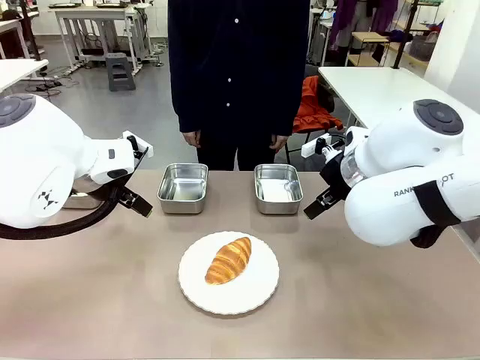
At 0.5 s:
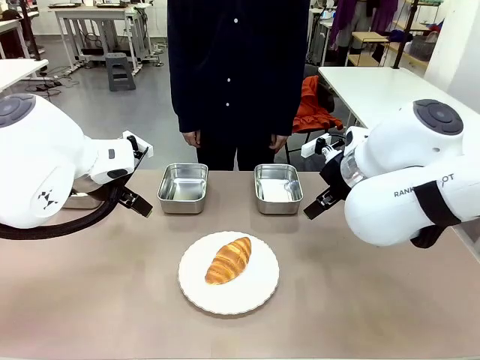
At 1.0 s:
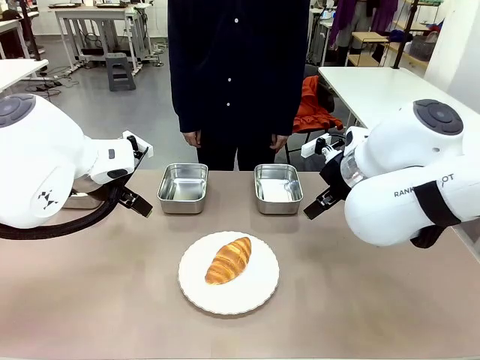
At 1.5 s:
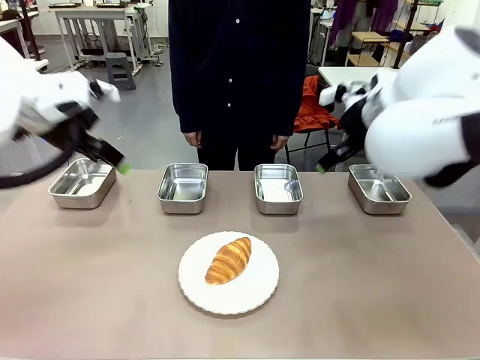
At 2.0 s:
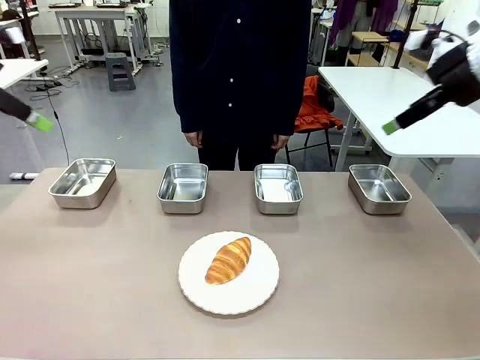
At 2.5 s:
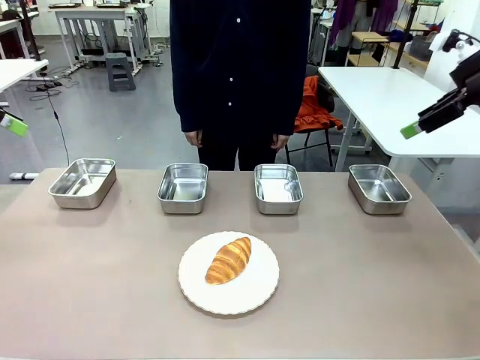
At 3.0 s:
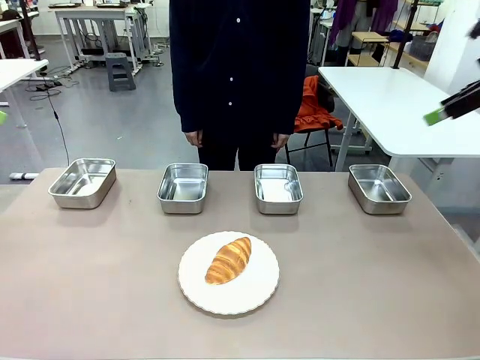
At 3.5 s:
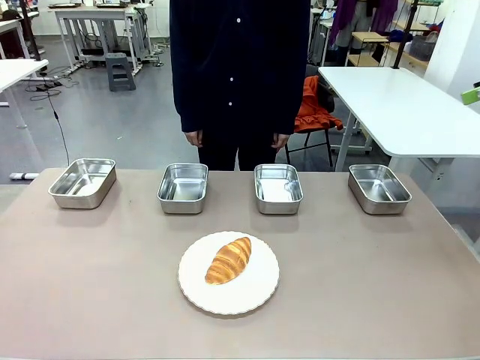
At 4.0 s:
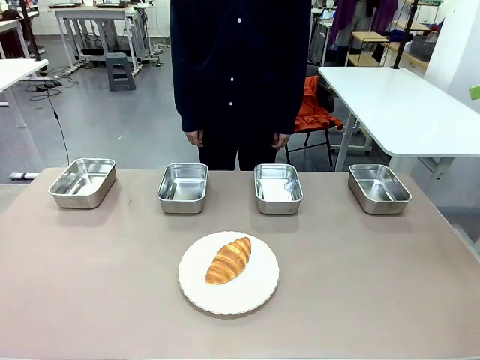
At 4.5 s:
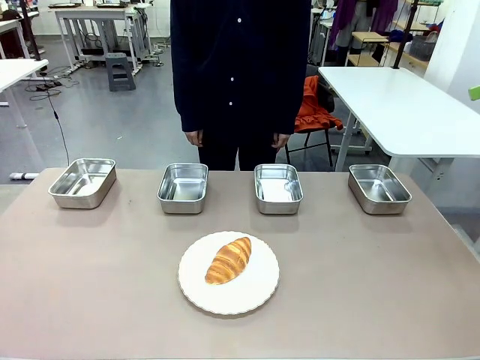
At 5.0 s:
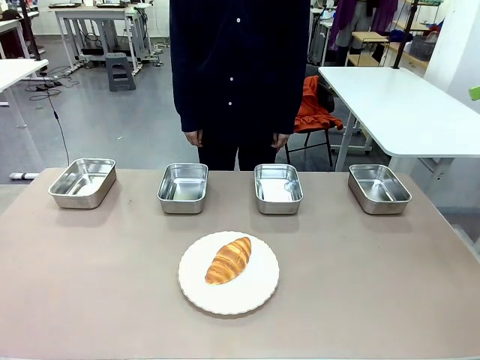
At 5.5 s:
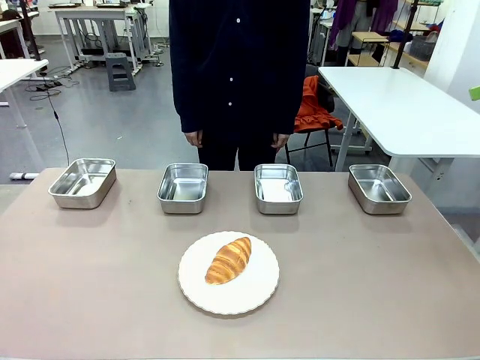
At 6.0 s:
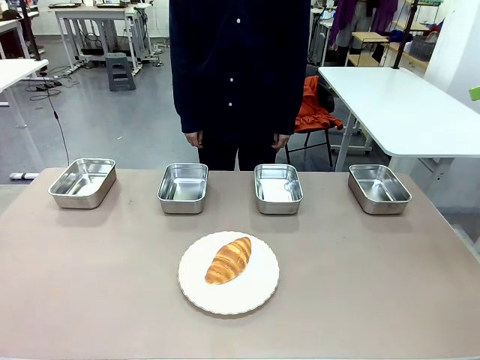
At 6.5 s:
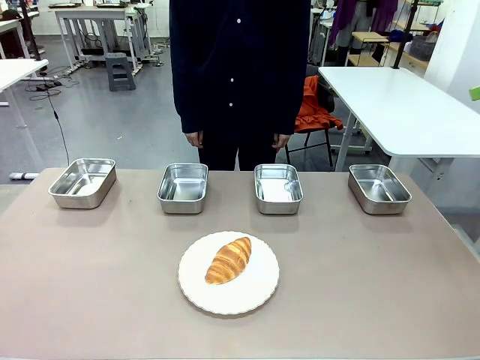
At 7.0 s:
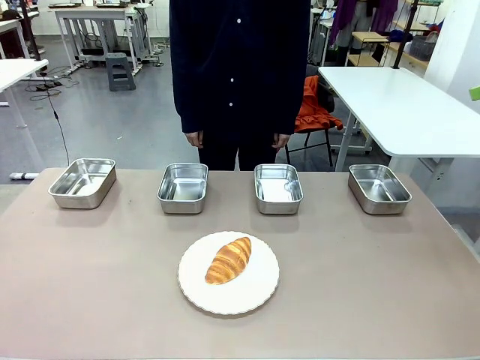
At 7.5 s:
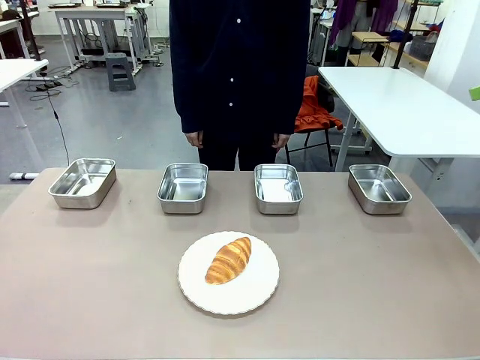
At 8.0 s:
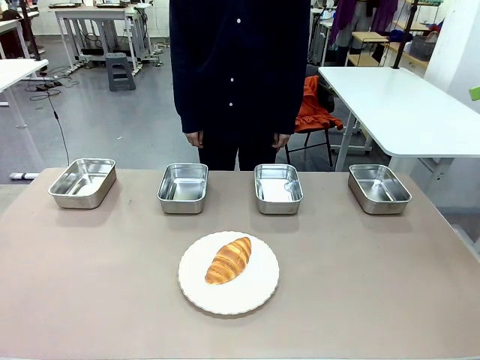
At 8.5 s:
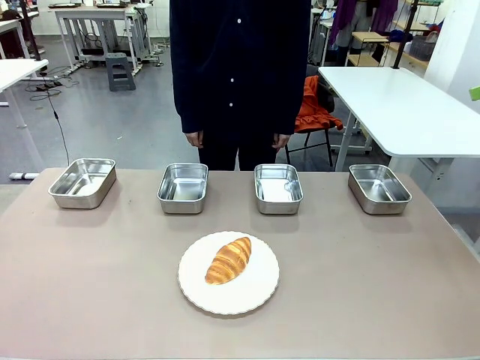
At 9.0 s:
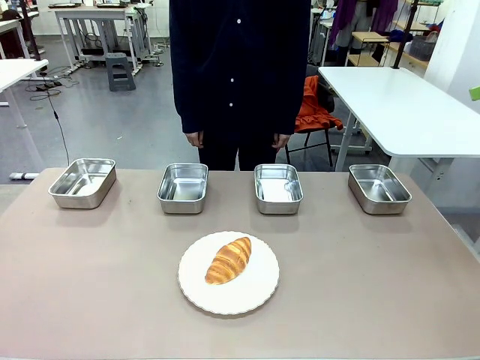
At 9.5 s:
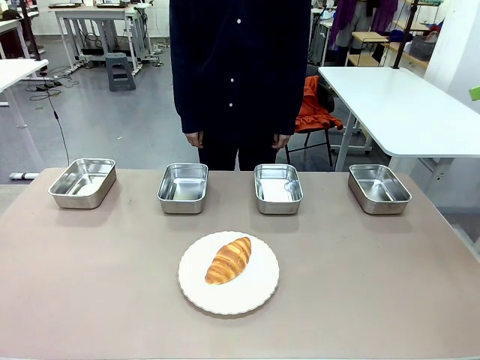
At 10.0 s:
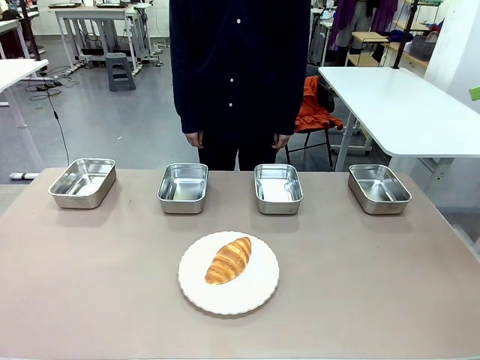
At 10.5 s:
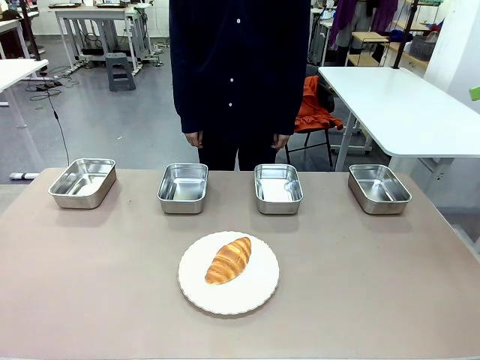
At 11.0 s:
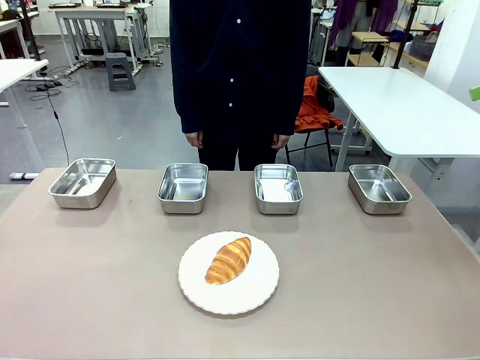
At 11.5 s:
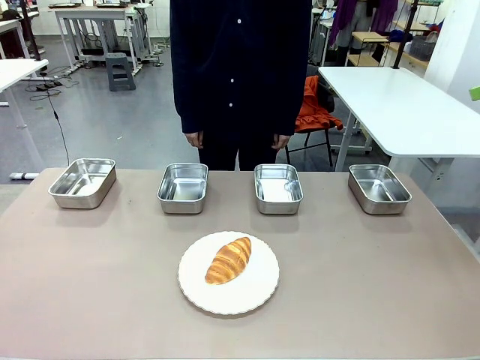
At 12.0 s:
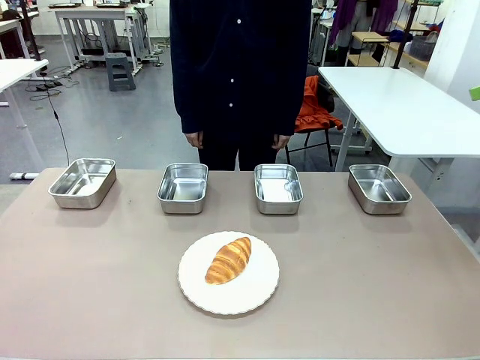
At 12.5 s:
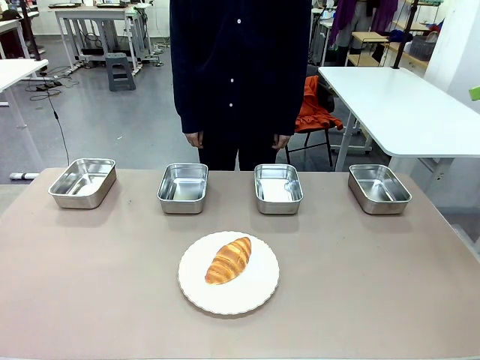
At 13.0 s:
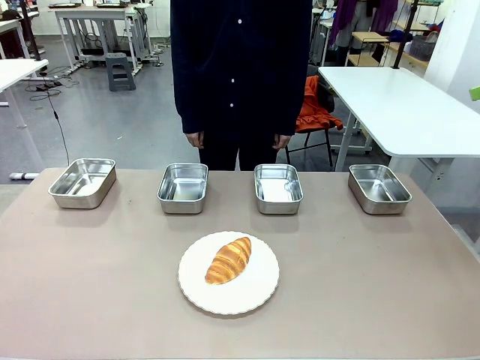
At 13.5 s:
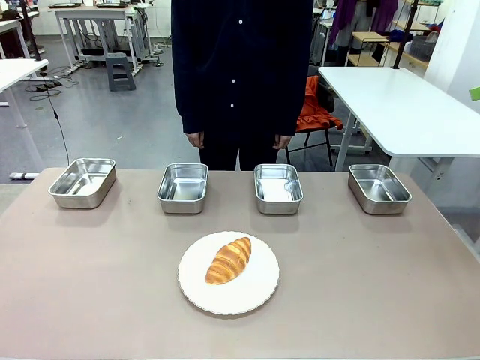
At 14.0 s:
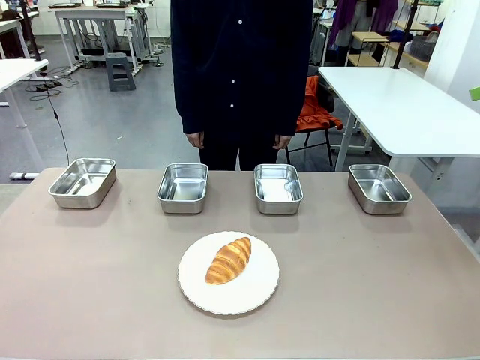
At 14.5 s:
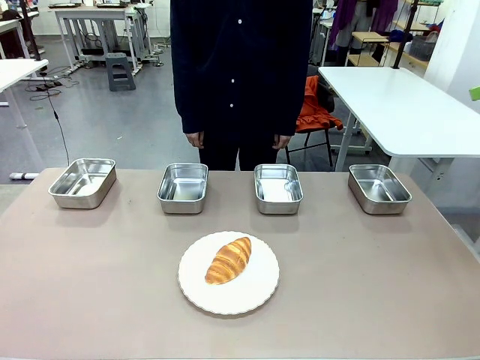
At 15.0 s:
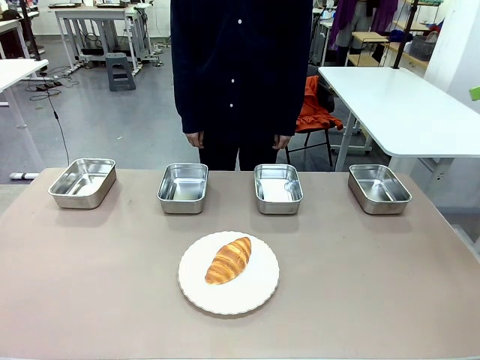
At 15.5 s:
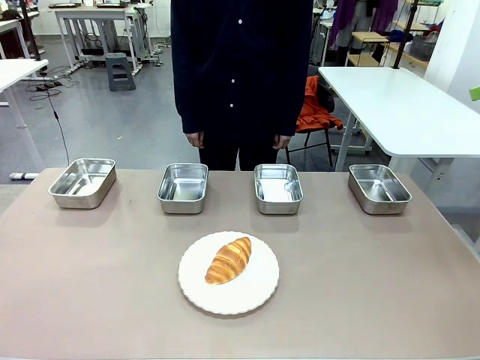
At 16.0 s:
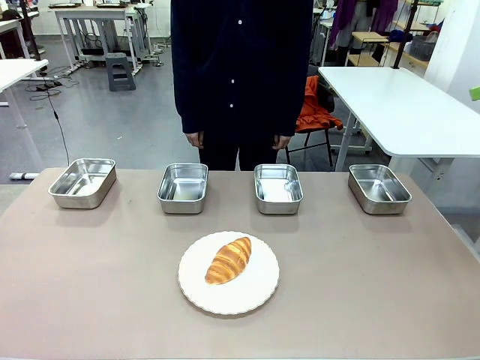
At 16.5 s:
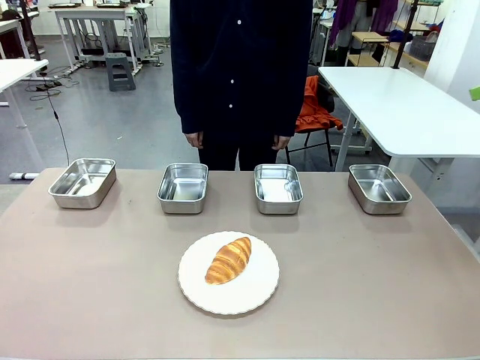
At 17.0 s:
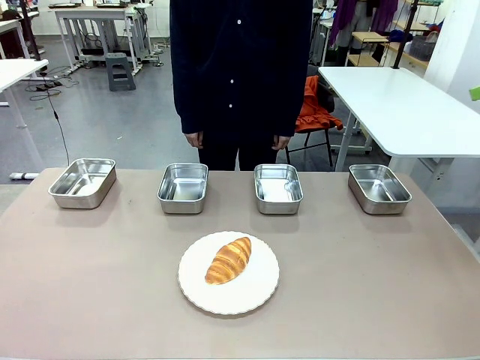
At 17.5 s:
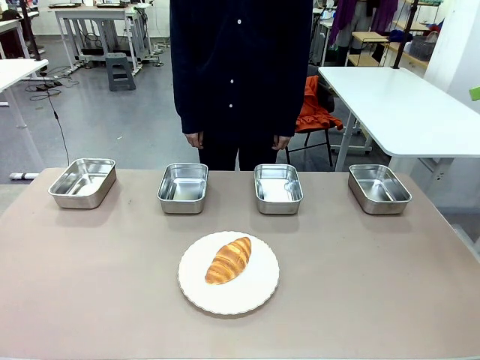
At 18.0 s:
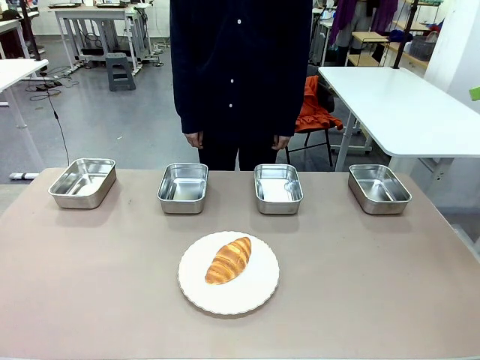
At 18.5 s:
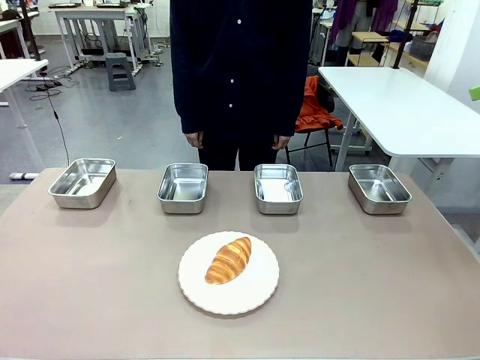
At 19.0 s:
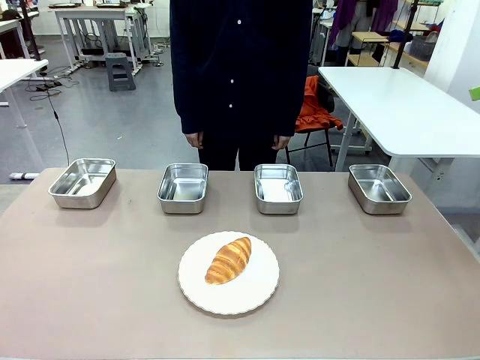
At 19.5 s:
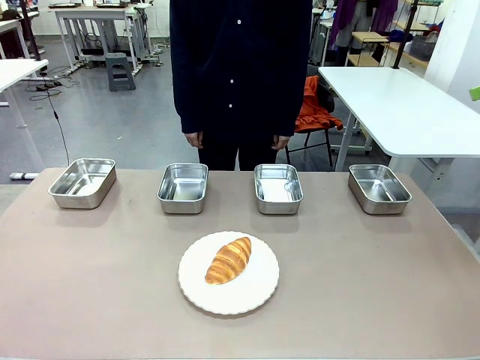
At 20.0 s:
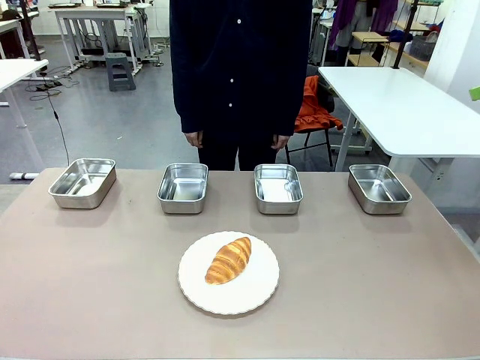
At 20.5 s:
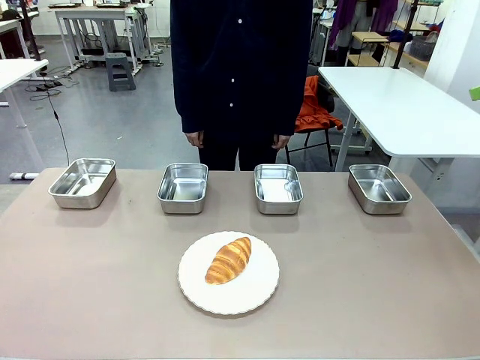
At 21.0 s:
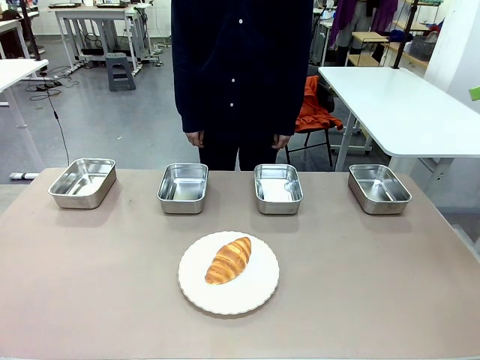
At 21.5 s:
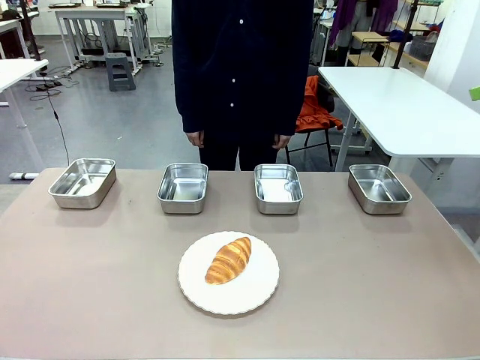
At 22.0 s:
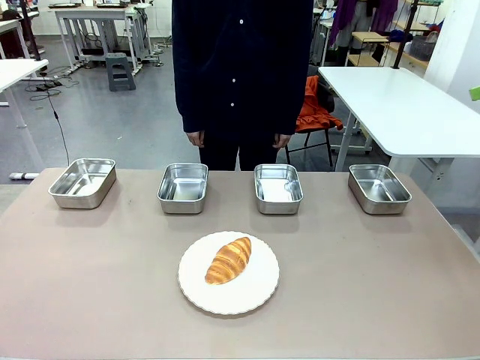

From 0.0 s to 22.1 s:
Task: Place the bread in the container.
Robot: Place the Butter Roll into the Airtight Container indicated by the human.
